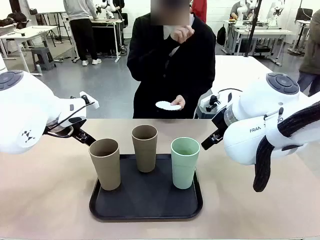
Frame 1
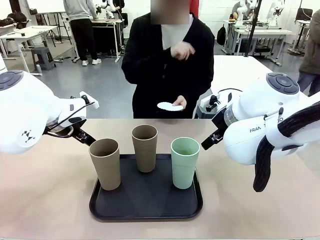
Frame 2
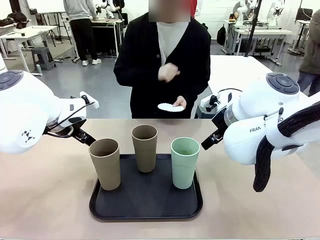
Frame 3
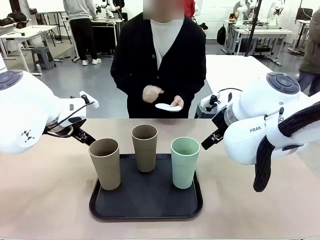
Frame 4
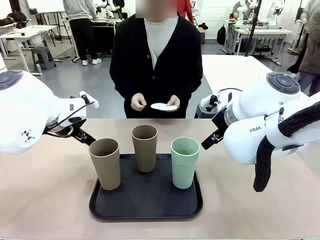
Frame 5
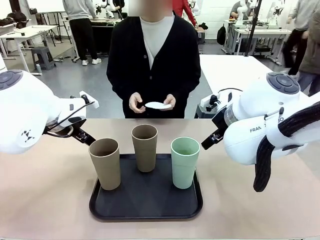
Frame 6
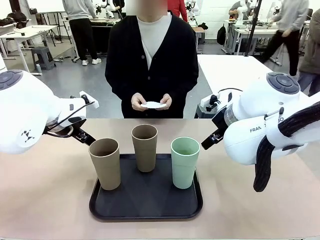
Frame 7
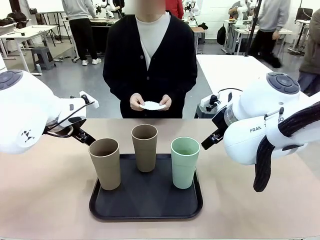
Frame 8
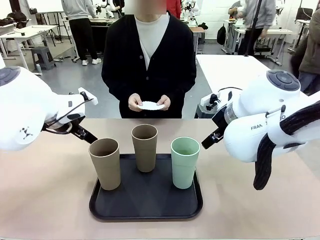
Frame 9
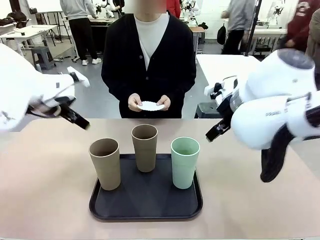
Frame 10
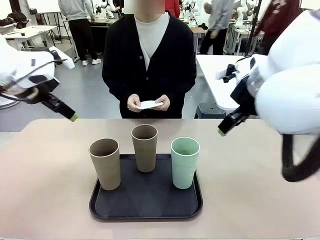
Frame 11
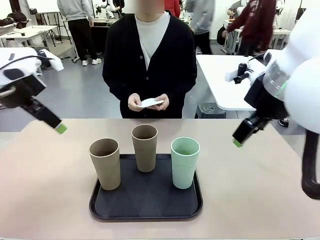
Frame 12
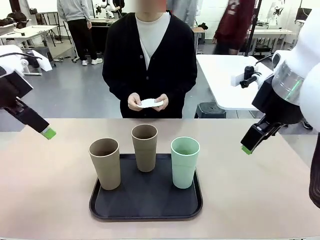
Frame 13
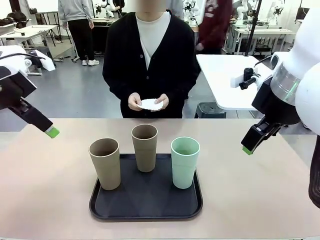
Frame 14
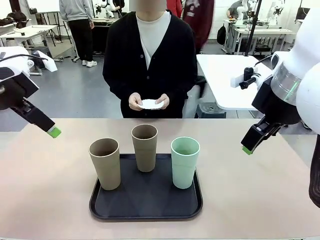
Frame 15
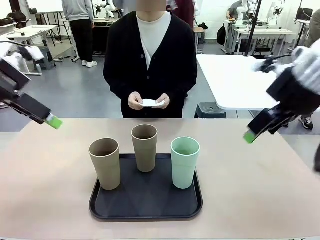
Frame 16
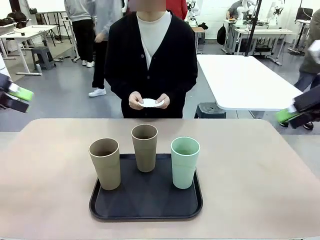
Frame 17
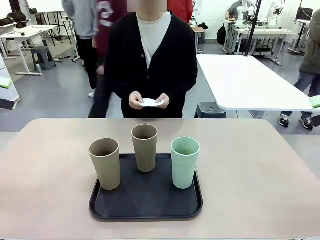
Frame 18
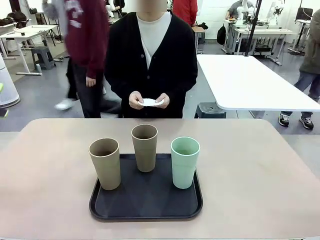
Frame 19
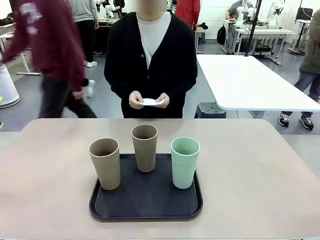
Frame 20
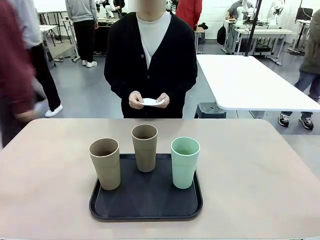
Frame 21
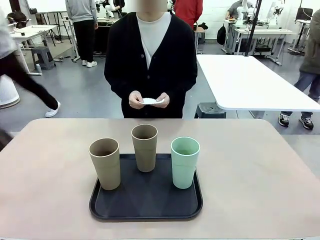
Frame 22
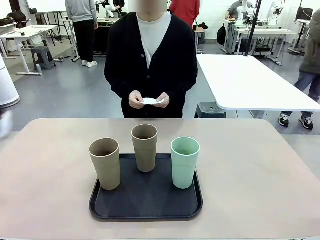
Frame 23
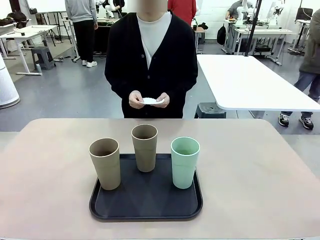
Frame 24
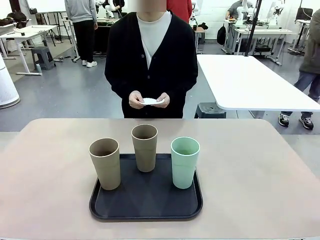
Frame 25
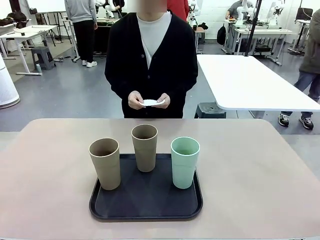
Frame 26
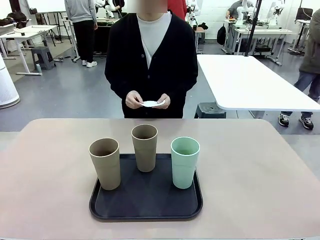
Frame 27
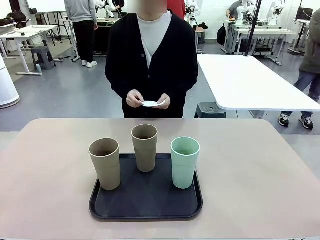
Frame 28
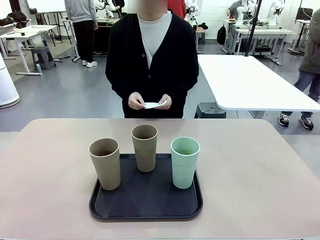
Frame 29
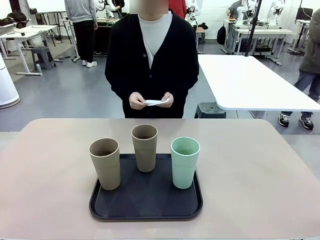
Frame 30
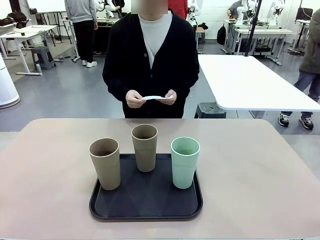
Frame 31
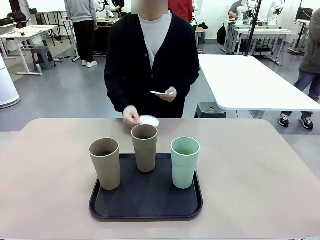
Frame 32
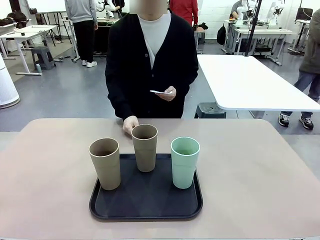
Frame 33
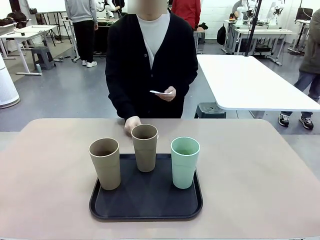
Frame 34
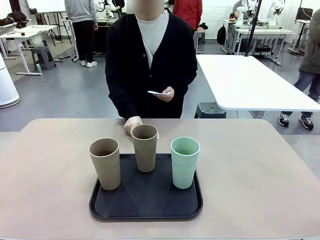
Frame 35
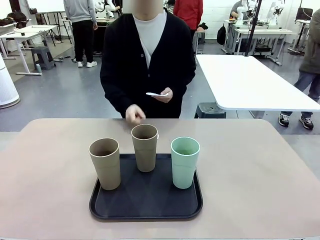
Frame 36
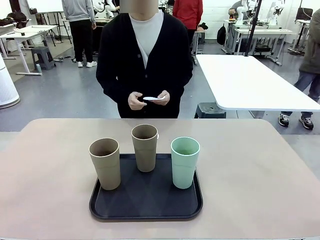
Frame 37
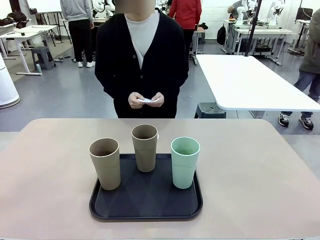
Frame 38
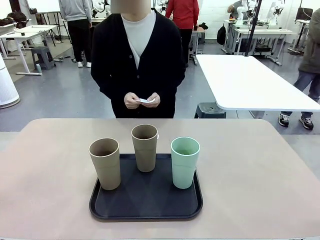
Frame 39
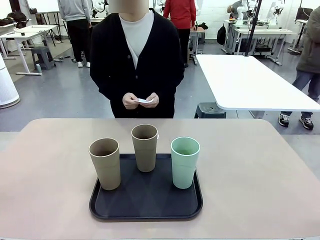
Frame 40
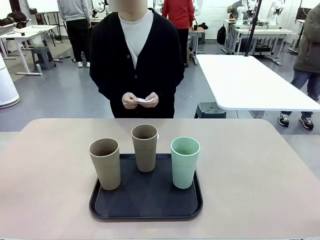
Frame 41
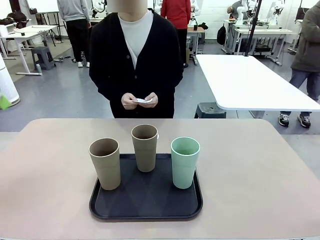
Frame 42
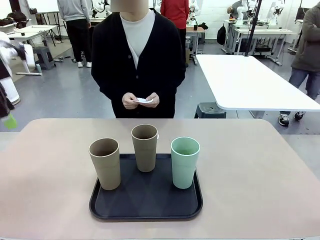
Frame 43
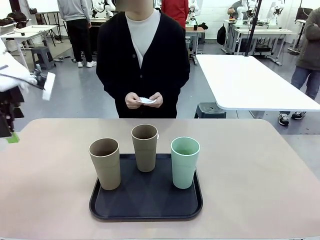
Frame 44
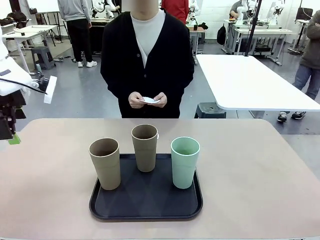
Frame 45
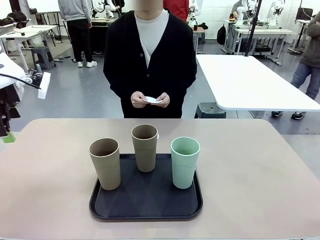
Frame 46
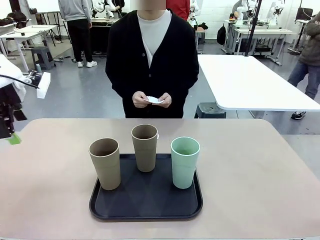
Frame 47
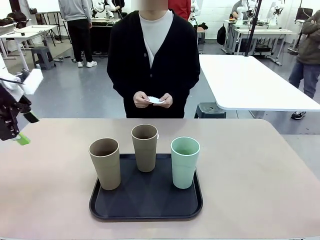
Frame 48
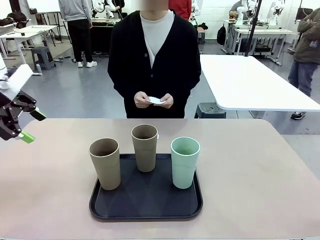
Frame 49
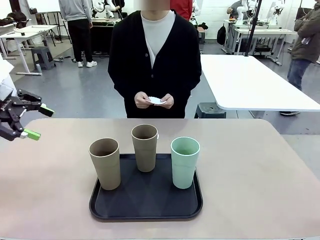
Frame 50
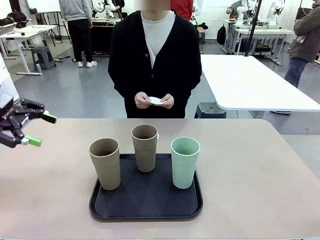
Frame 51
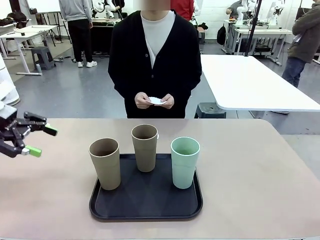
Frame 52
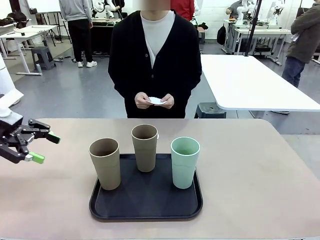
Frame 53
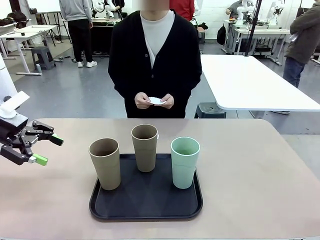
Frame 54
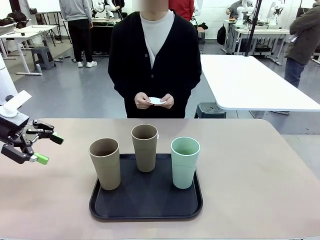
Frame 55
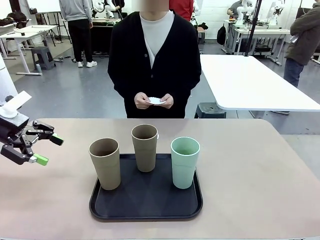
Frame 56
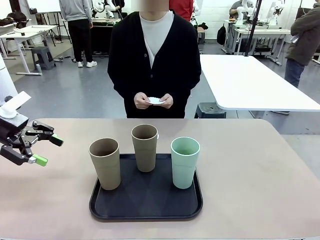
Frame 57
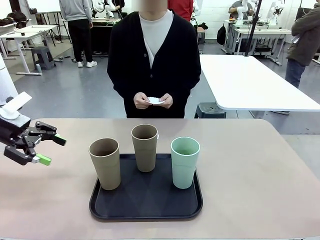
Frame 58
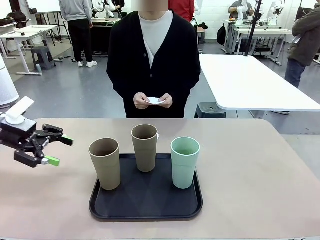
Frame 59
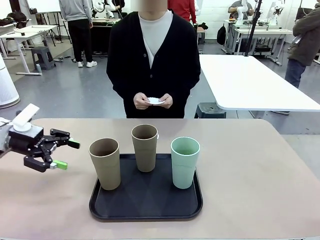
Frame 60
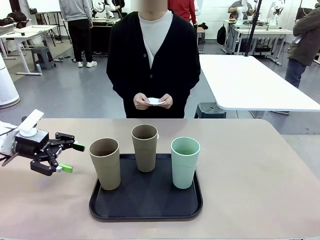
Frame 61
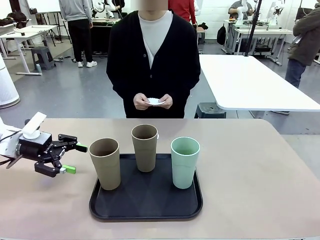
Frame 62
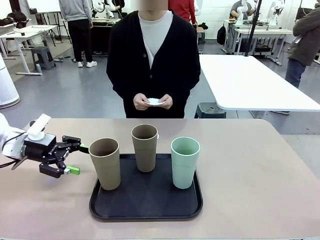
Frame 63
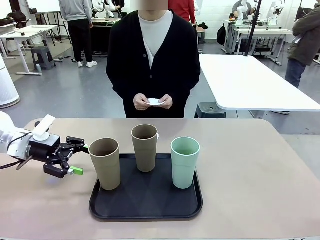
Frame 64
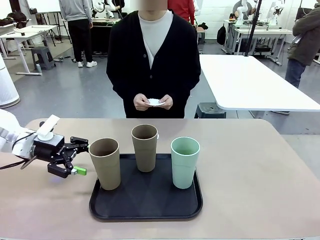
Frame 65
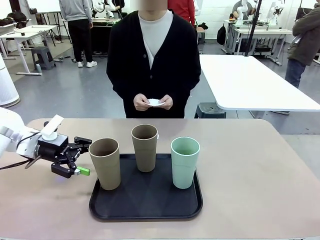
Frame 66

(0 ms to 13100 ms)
Task: Place coasters on the table and set cups on them.
Robot: Pick up one Reusable plastic cup and place it on a coaster set by the human.
Person: Place one coaster in any one of the three lower areas of the robot table (left, center, or right).
